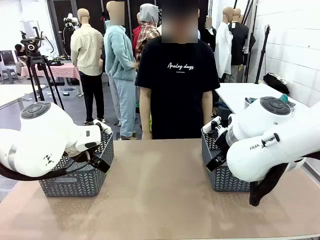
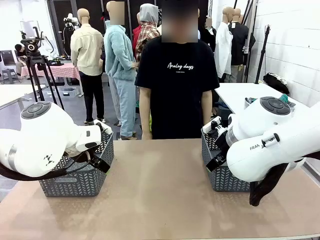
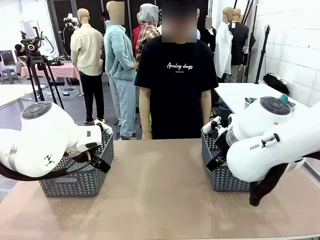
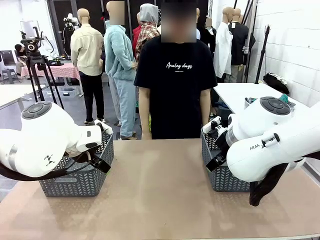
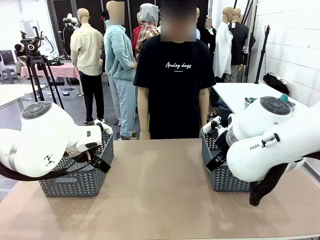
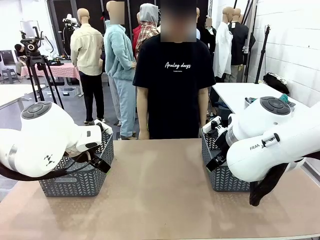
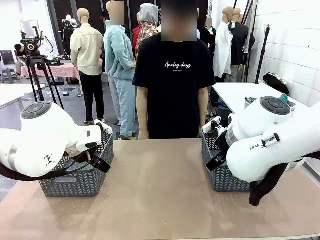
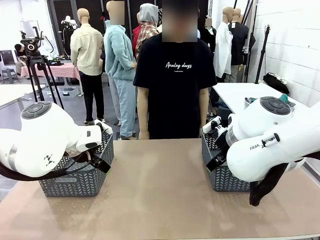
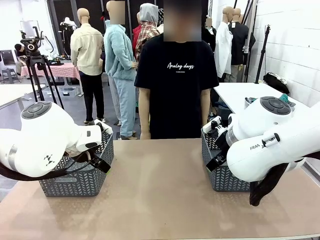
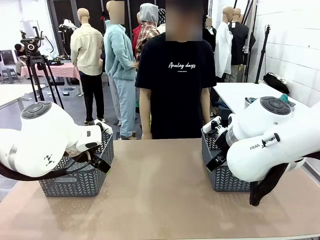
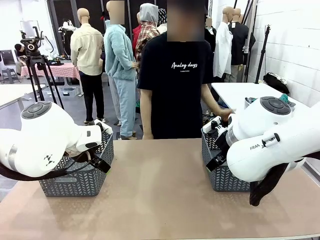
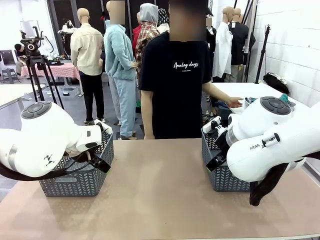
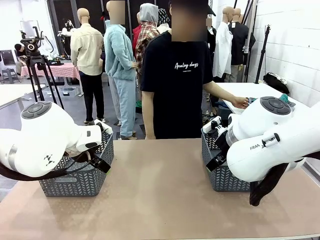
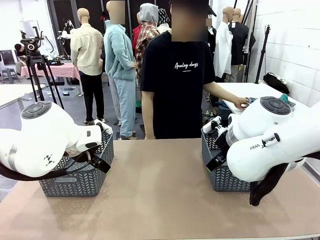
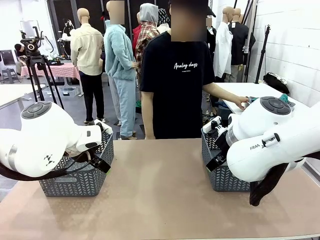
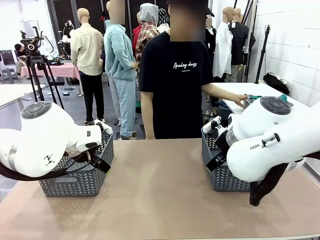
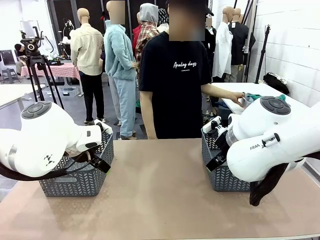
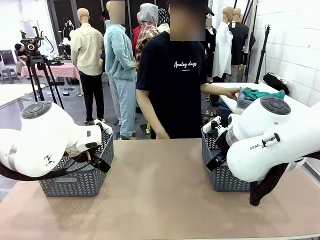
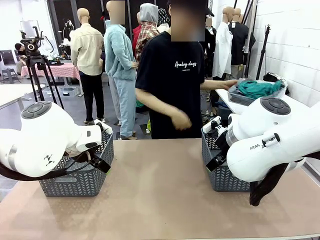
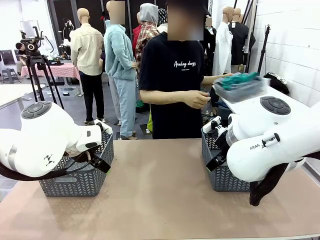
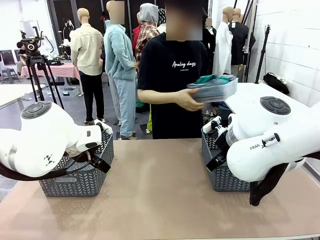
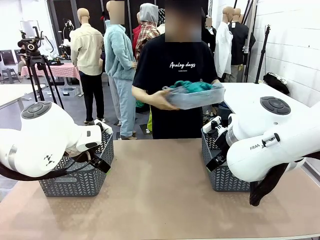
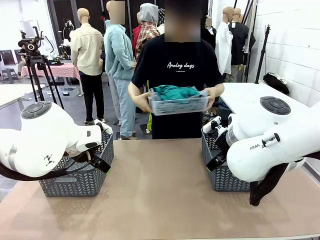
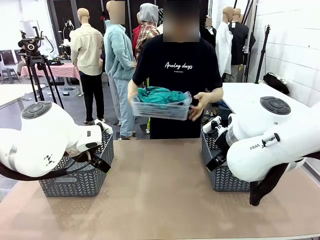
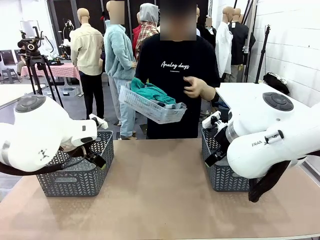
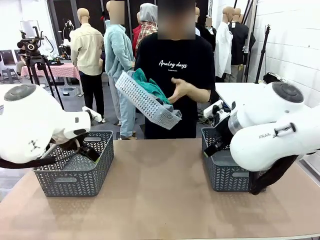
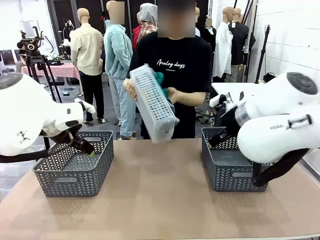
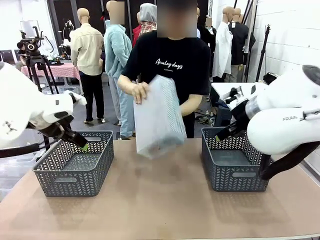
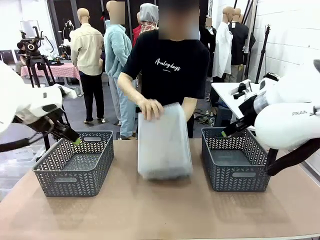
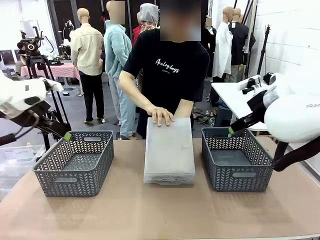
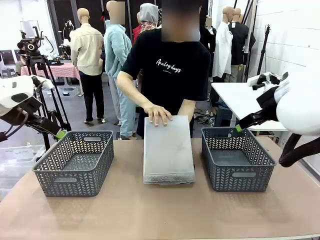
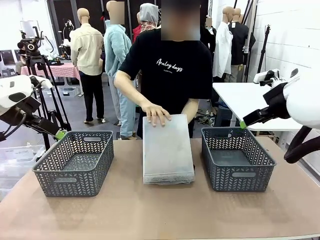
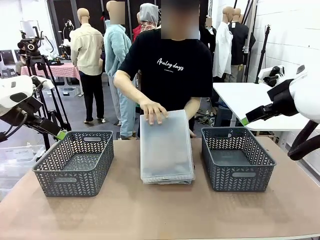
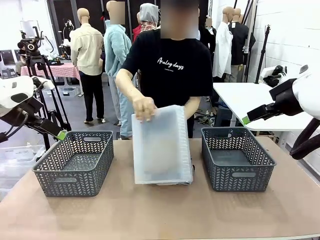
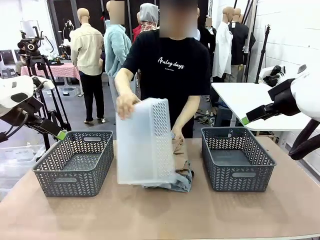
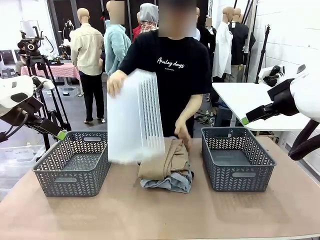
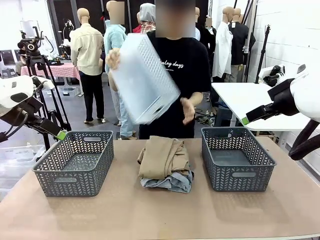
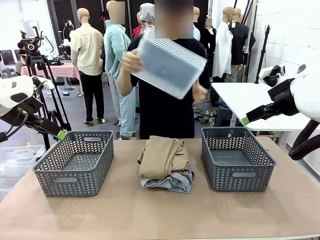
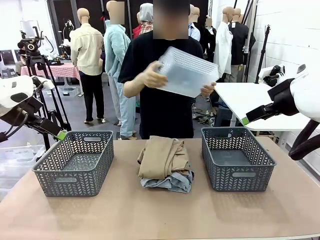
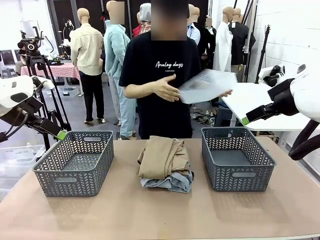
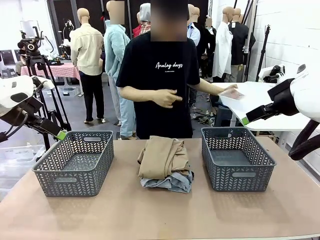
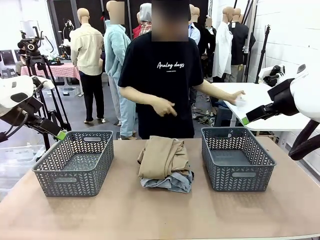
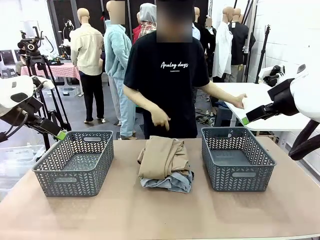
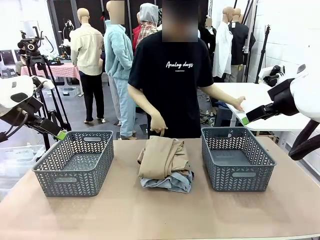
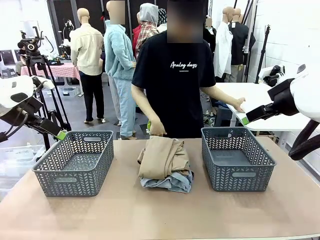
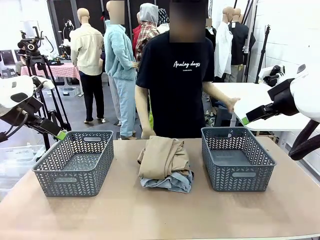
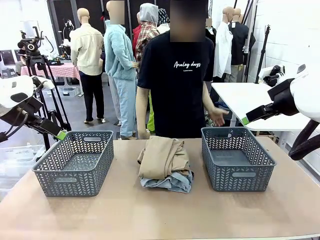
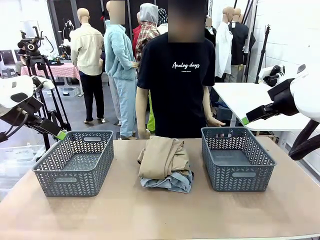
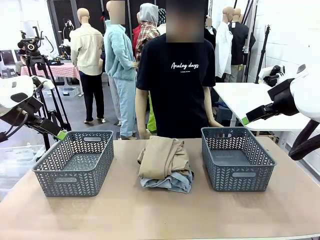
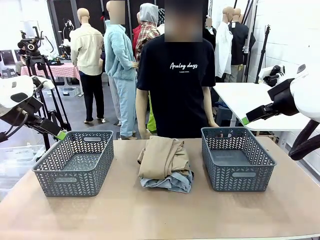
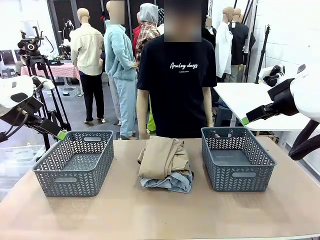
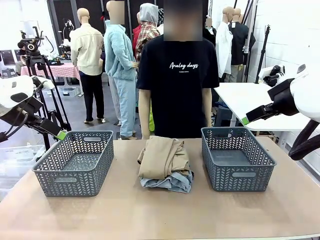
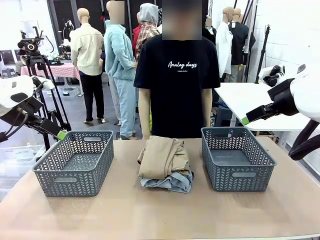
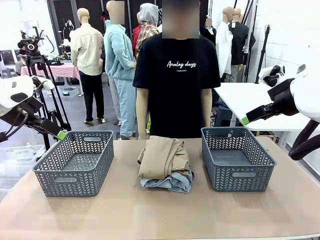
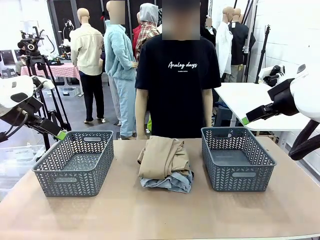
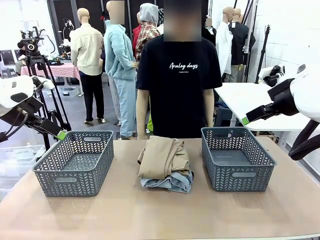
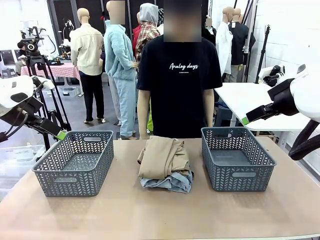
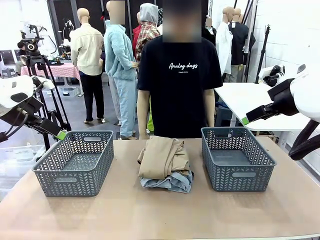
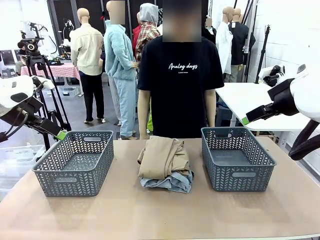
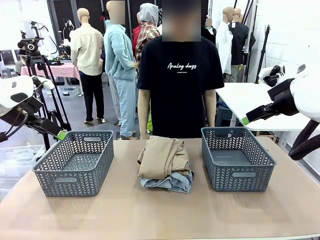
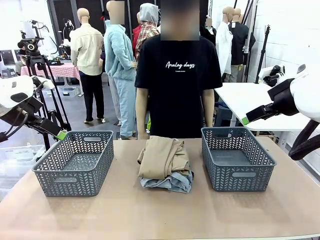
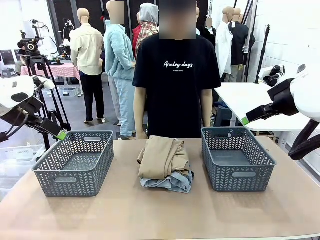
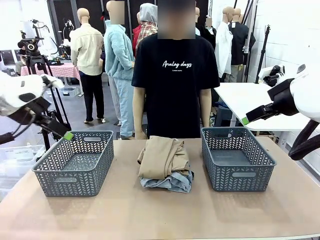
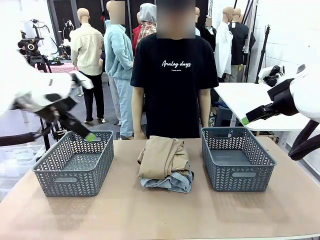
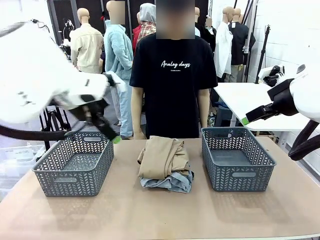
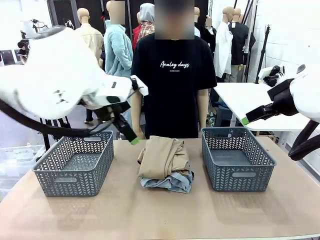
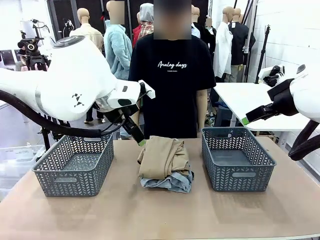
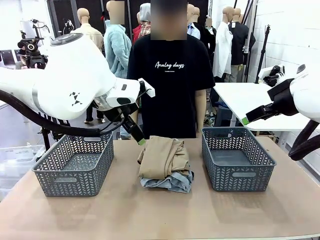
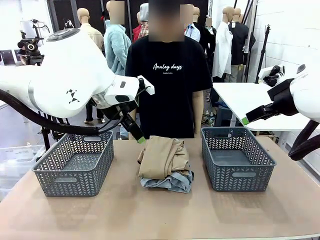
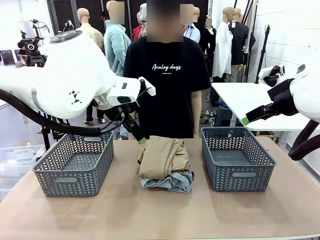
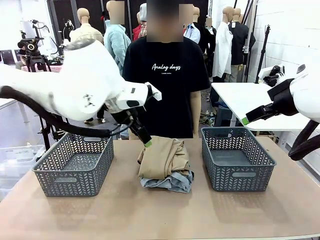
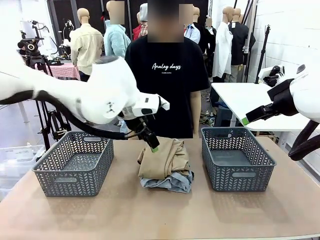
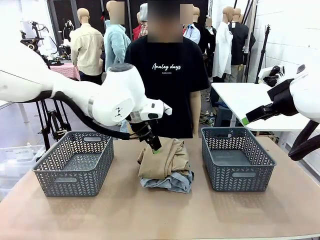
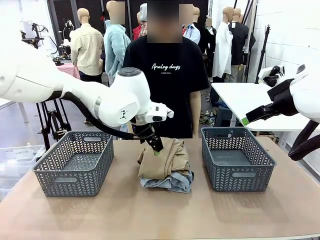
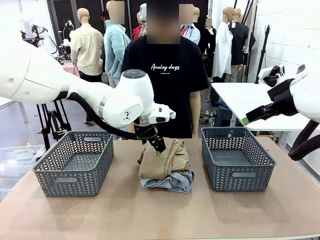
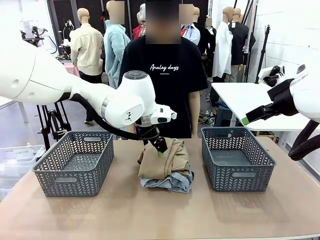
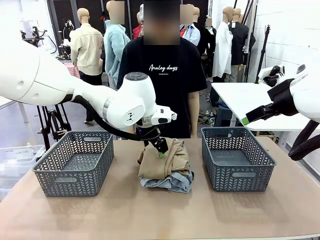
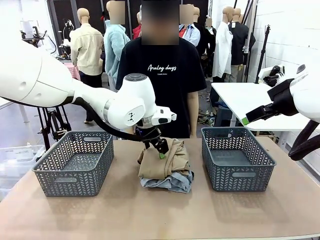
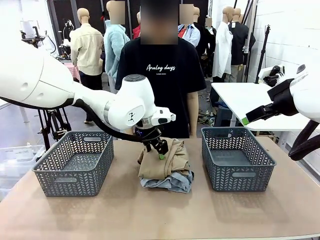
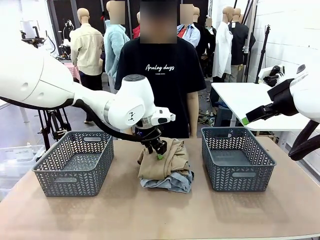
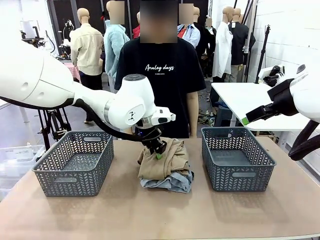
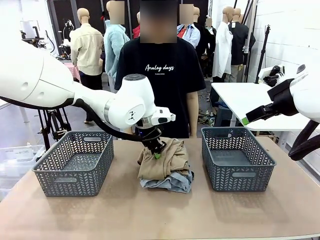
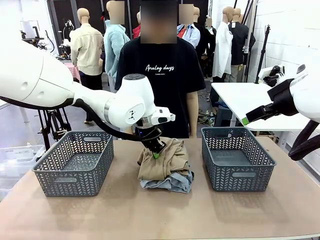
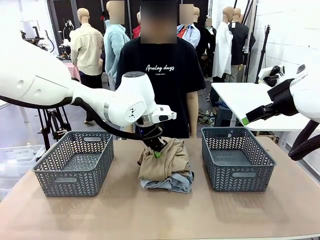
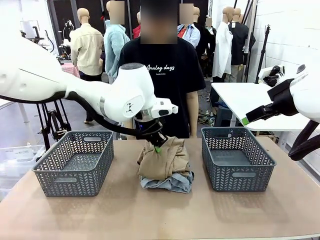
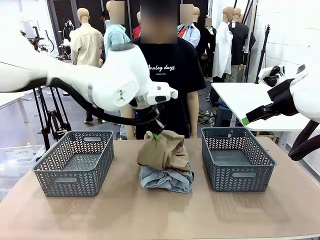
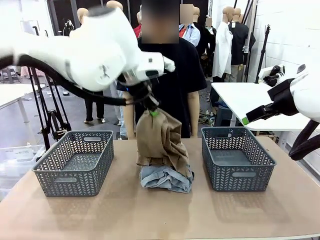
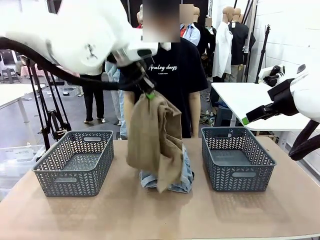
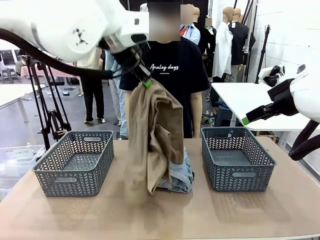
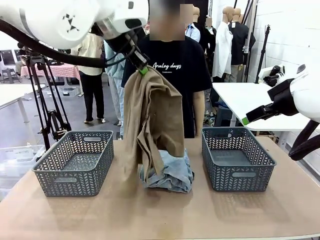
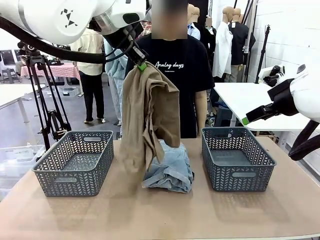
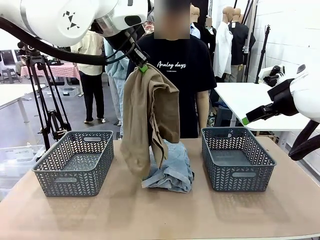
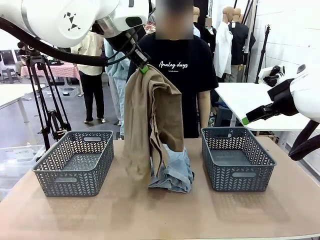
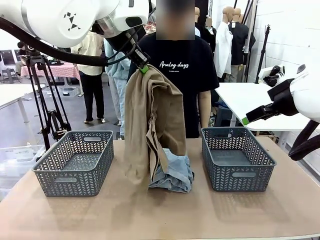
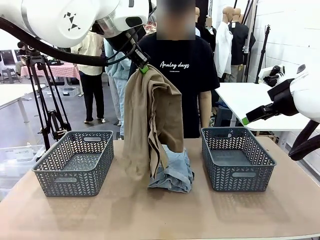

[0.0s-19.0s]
Task: Sort the tops and bottoms.
Robot: Lift clothes from the center of the table with your left hand.
Person: Pour the clothes from the basket onto the center of the robot table.
